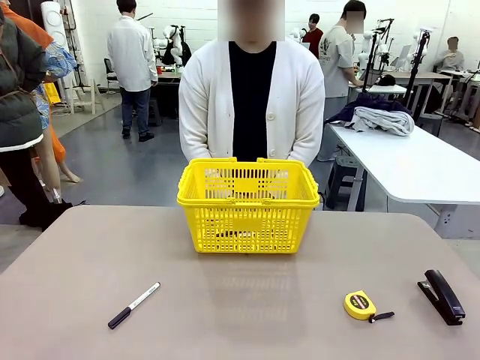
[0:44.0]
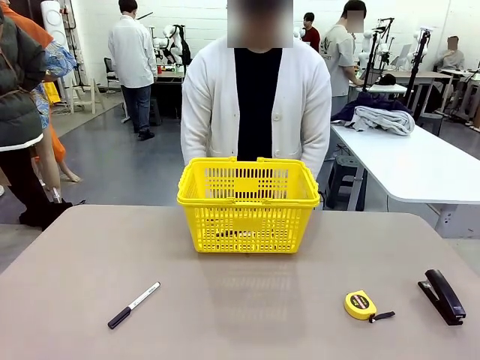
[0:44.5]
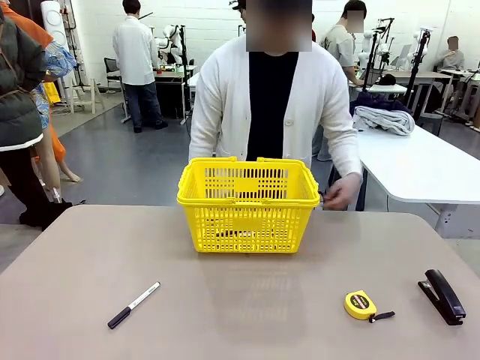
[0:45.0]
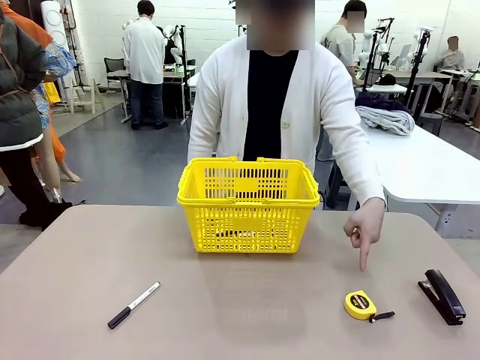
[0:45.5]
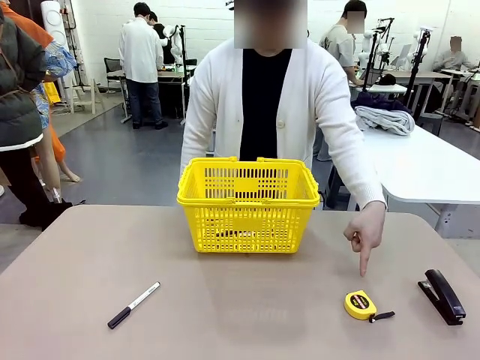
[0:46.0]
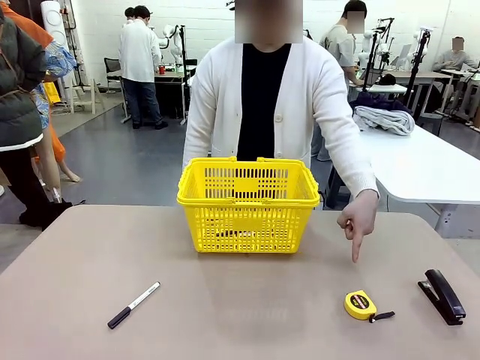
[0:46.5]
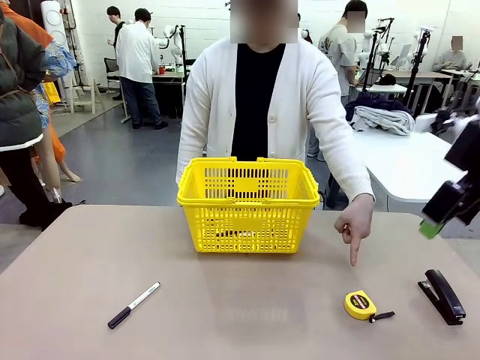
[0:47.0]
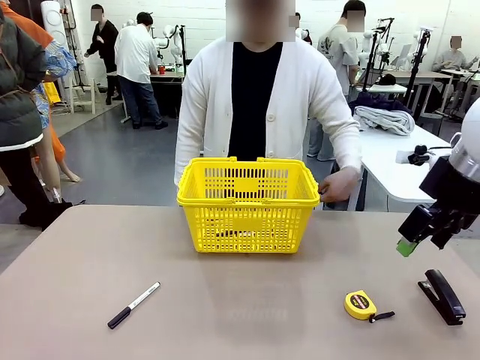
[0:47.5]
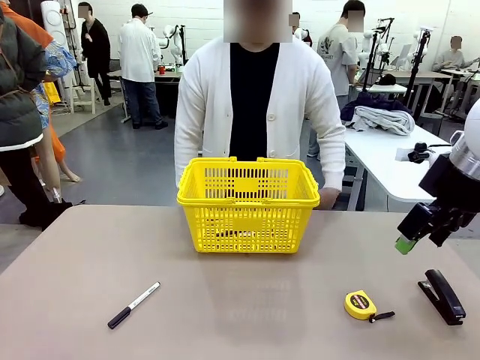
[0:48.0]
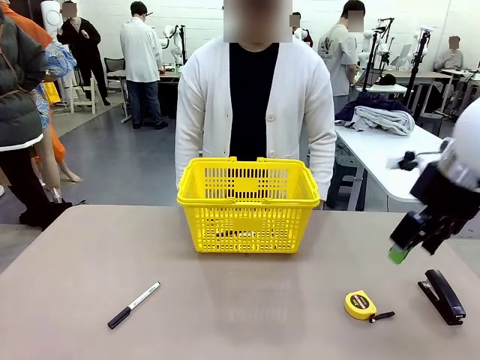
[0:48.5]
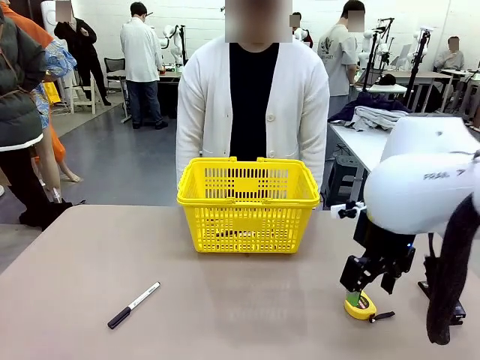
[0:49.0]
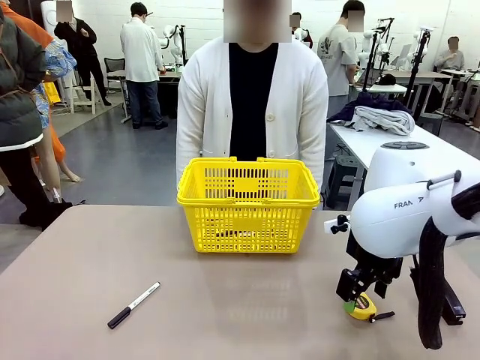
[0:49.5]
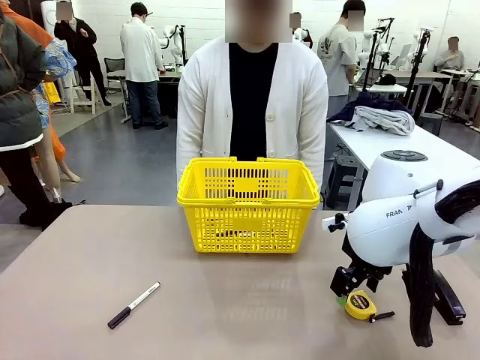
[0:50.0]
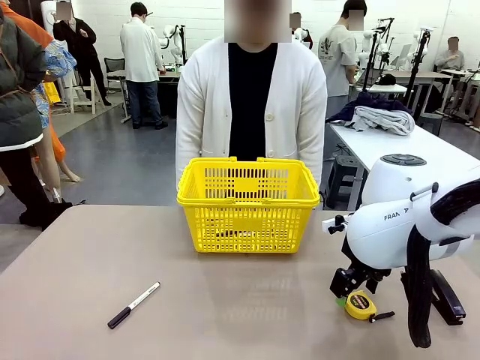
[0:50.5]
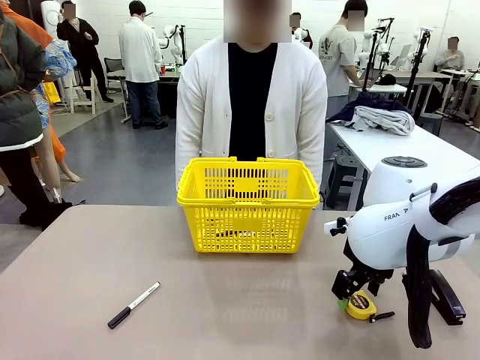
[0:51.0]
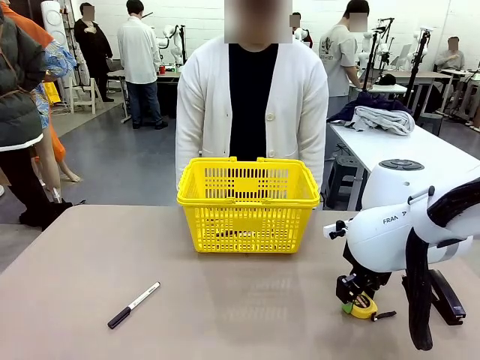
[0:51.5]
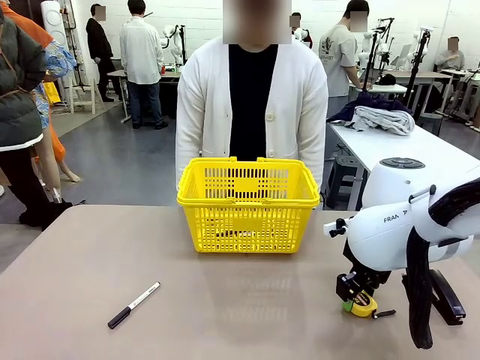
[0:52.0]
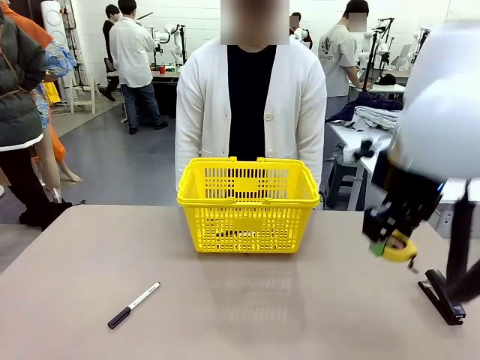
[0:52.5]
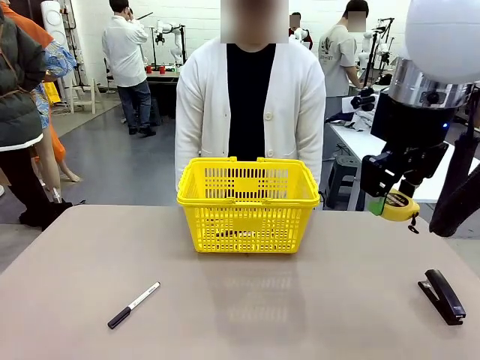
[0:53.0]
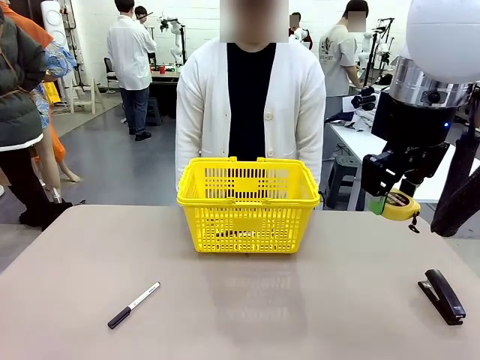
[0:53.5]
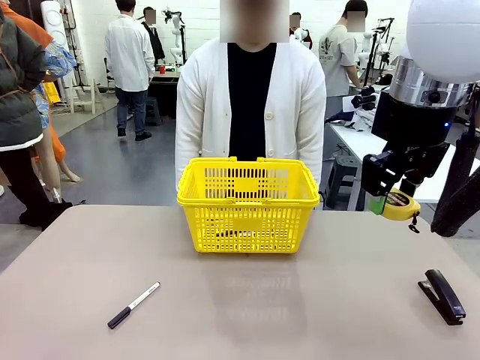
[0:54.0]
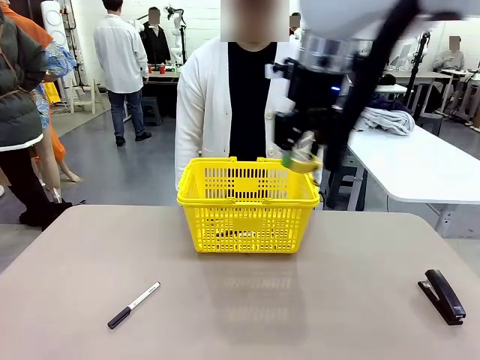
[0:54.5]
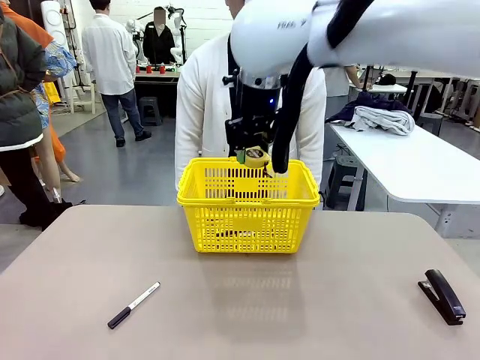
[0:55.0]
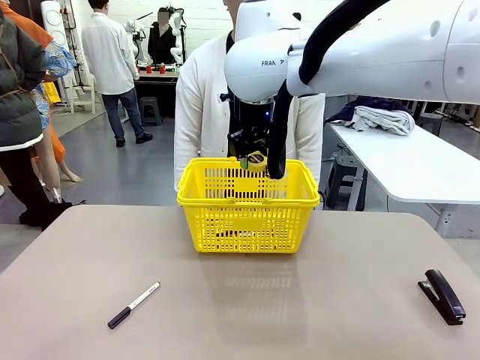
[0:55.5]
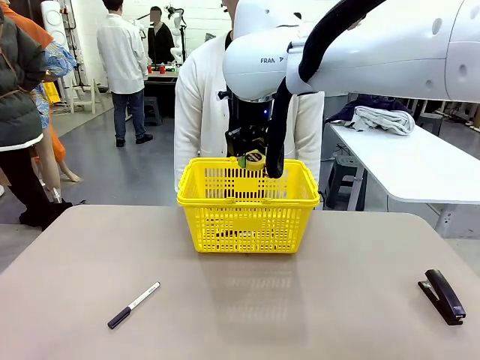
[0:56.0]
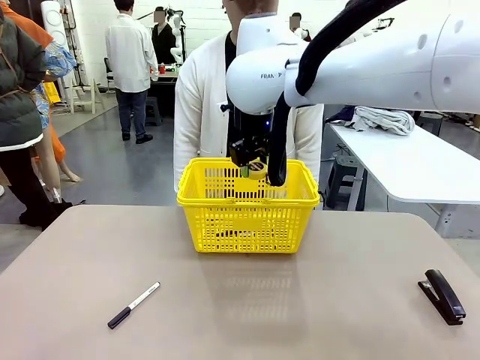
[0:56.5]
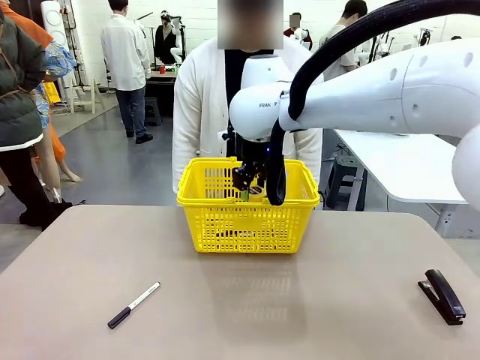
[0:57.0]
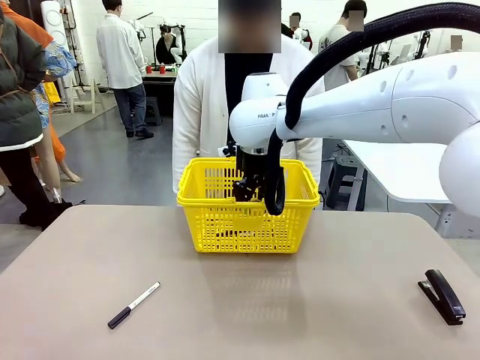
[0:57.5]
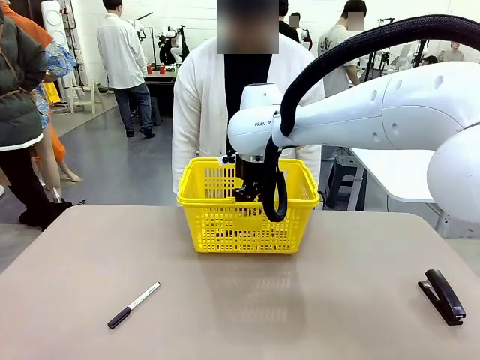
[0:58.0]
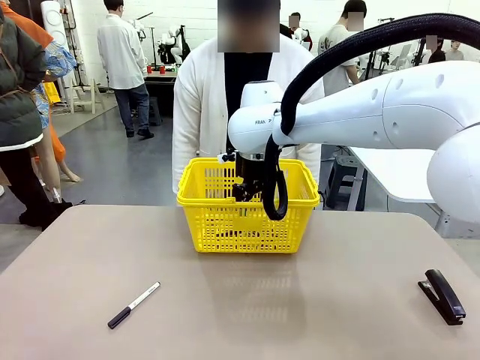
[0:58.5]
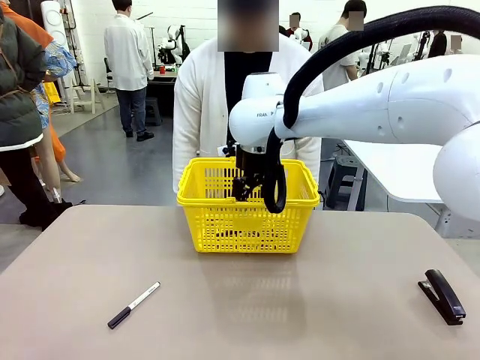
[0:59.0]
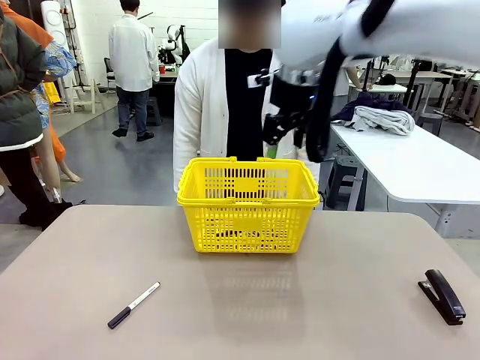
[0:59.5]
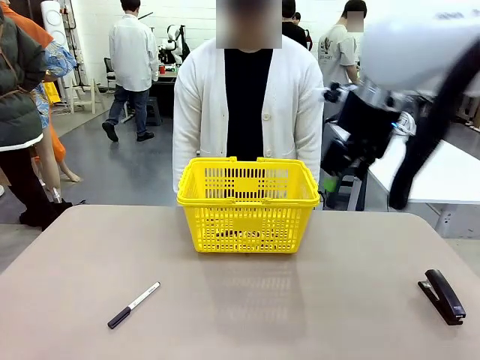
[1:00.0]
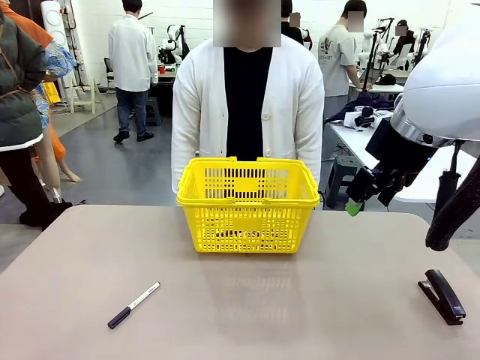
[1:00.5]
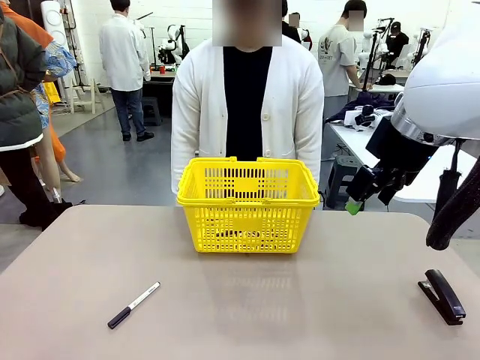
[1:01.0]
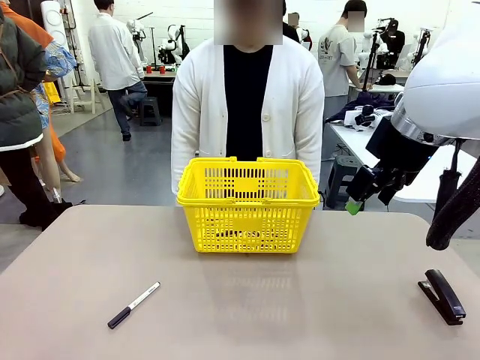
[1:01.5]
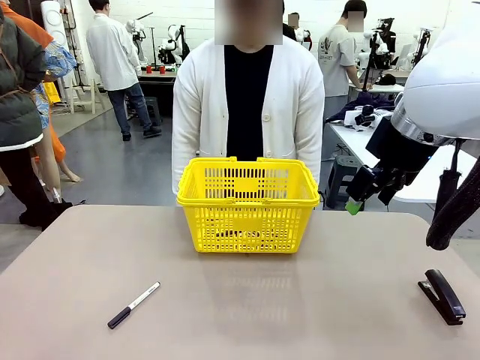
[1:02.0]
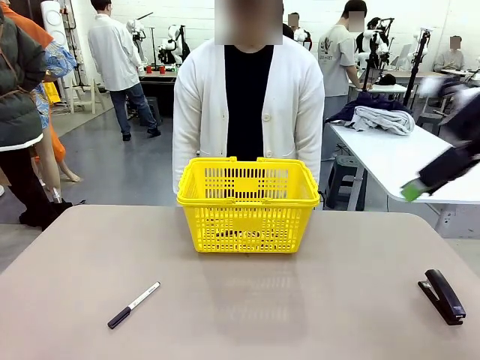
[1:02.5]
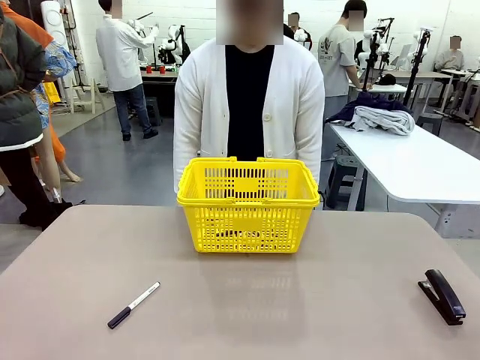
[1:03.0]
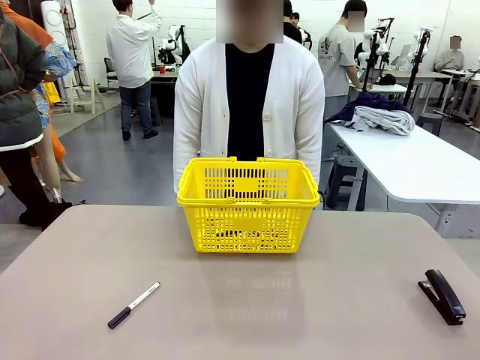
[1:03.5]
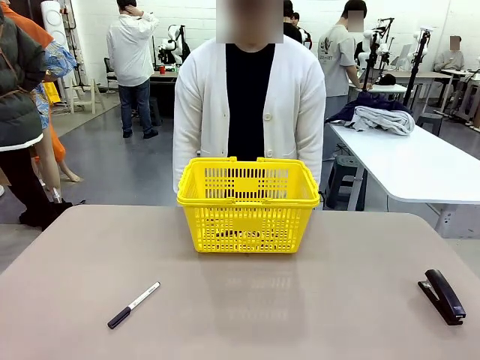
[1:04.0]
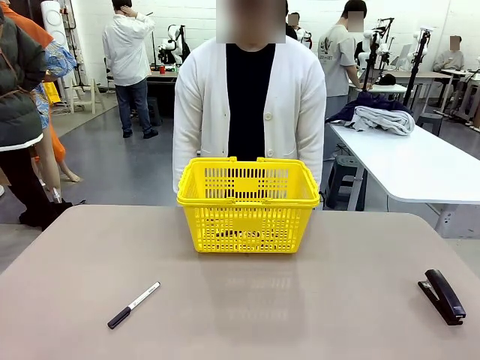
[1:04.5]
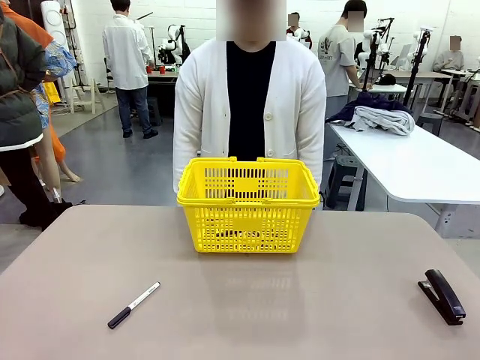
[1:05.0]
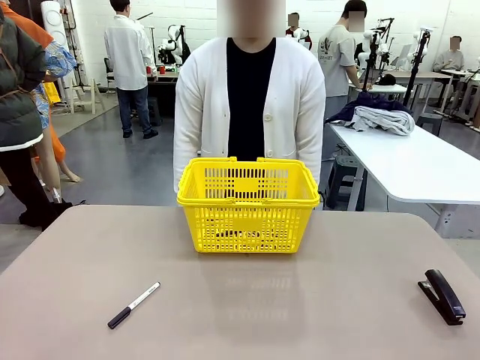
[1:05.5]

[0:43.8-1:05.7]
Task: Place the items the person wants into the basket.
Robot: Pick up the item the person points to and place it in the Market Basket.
